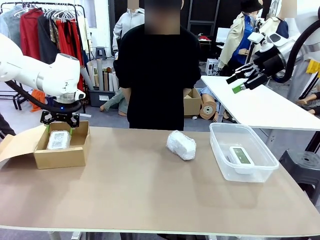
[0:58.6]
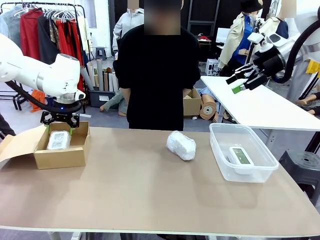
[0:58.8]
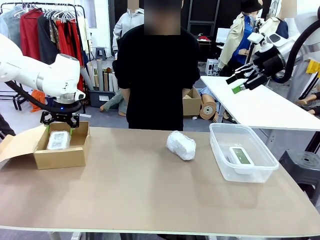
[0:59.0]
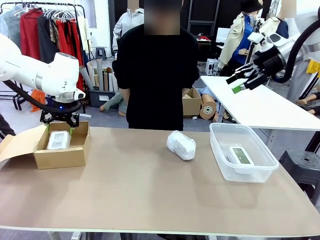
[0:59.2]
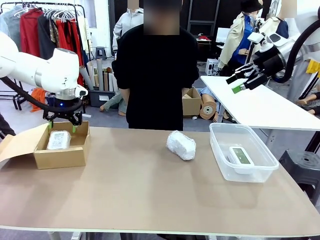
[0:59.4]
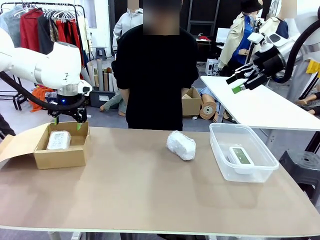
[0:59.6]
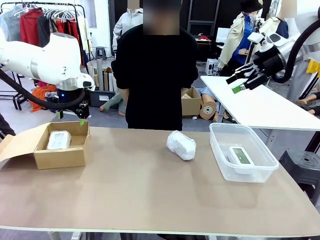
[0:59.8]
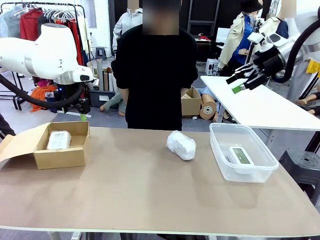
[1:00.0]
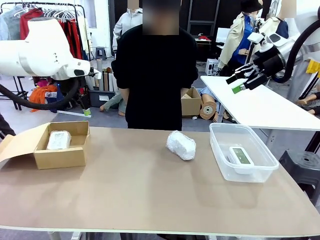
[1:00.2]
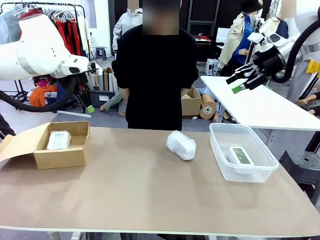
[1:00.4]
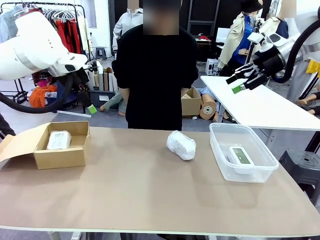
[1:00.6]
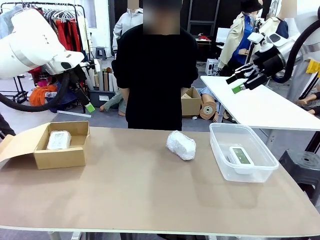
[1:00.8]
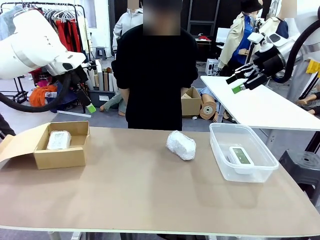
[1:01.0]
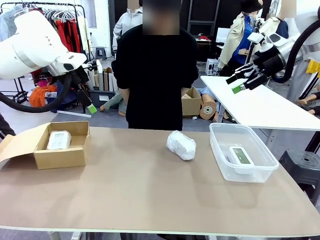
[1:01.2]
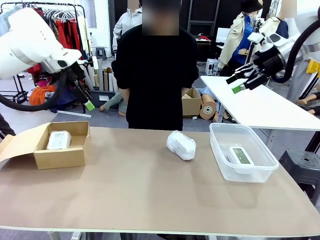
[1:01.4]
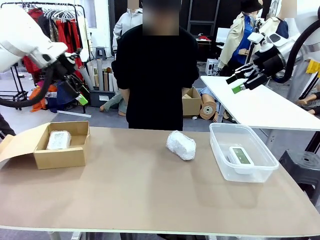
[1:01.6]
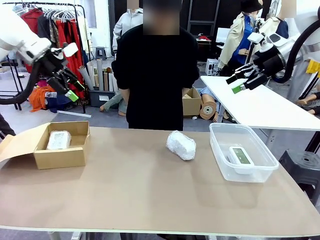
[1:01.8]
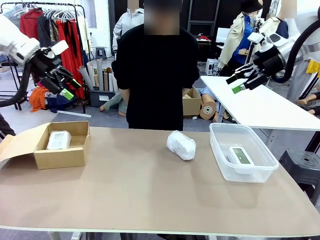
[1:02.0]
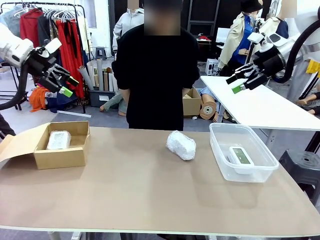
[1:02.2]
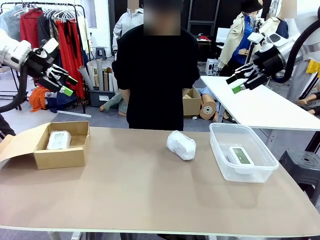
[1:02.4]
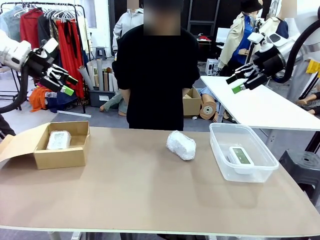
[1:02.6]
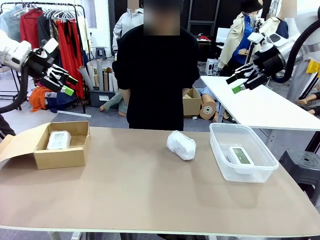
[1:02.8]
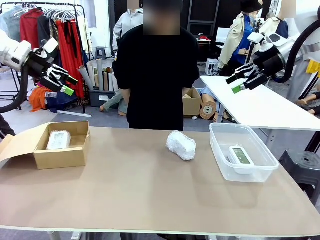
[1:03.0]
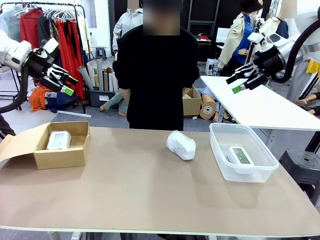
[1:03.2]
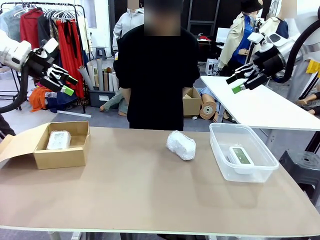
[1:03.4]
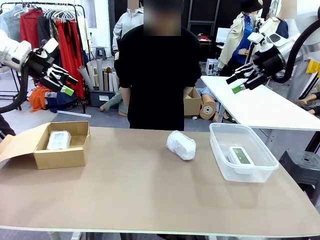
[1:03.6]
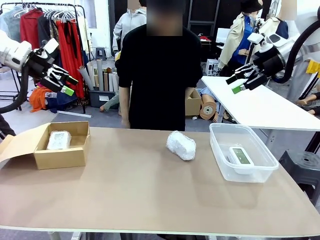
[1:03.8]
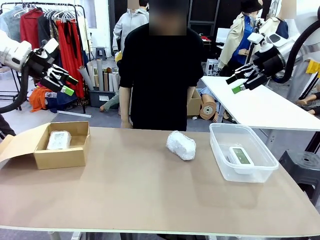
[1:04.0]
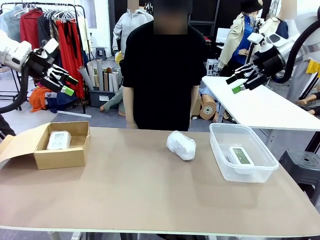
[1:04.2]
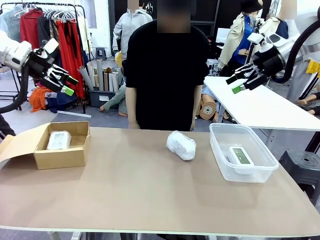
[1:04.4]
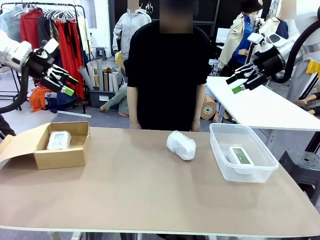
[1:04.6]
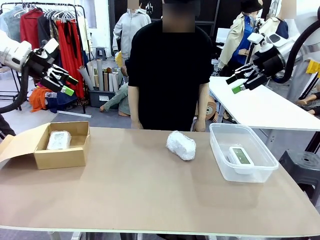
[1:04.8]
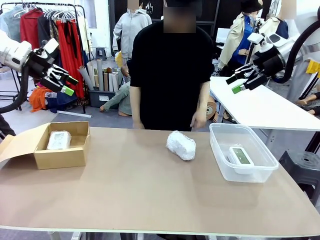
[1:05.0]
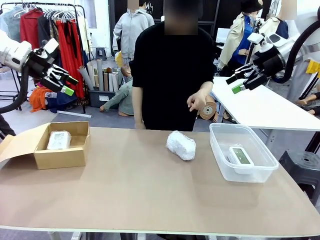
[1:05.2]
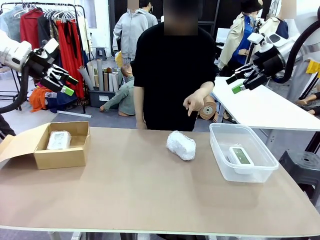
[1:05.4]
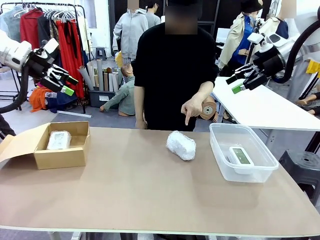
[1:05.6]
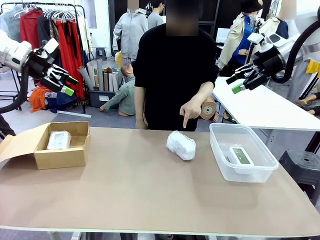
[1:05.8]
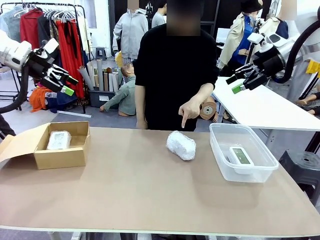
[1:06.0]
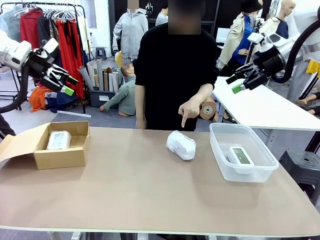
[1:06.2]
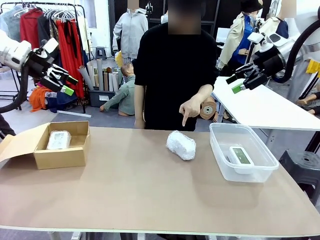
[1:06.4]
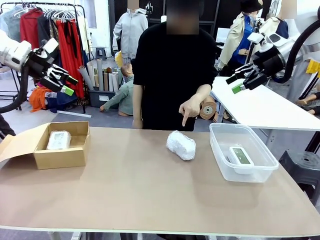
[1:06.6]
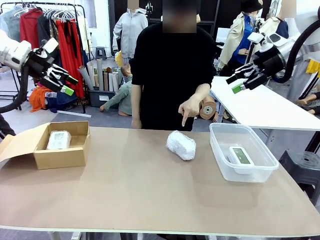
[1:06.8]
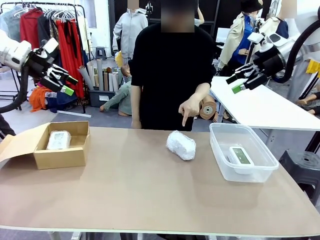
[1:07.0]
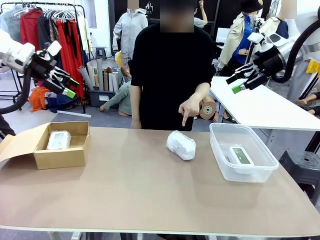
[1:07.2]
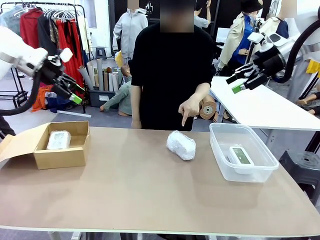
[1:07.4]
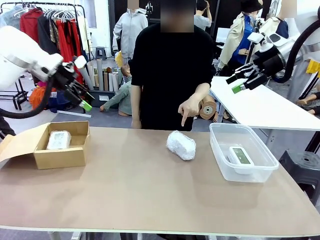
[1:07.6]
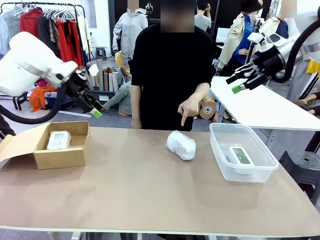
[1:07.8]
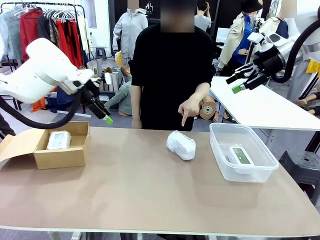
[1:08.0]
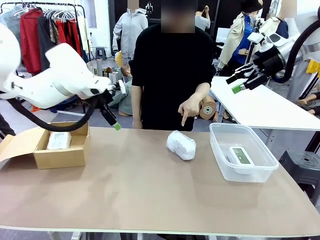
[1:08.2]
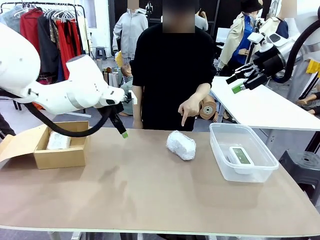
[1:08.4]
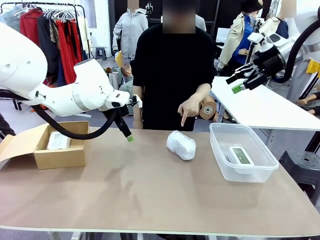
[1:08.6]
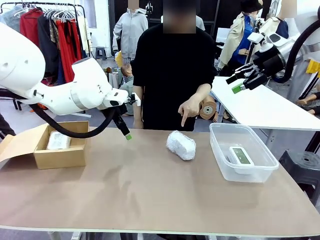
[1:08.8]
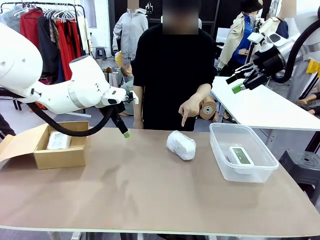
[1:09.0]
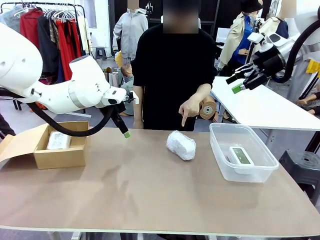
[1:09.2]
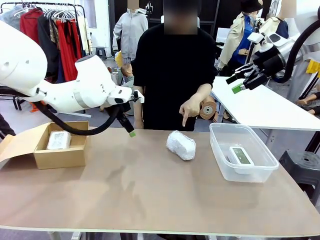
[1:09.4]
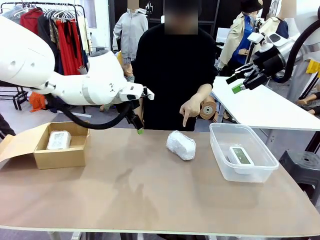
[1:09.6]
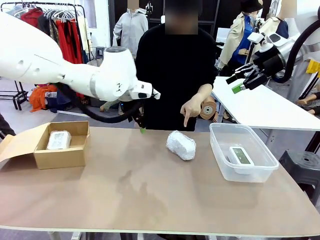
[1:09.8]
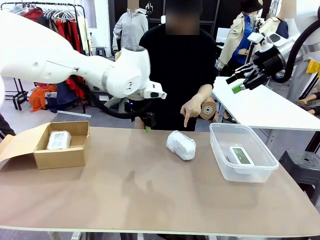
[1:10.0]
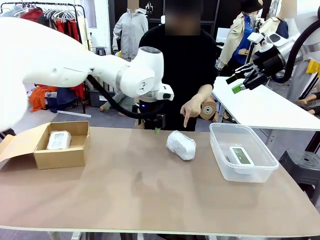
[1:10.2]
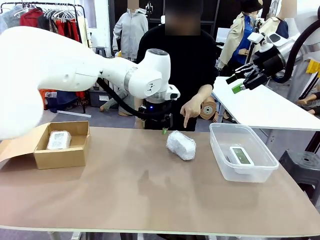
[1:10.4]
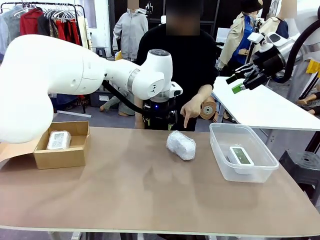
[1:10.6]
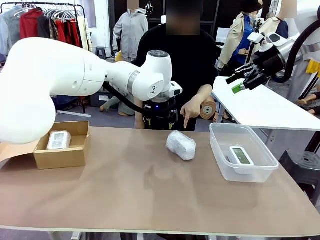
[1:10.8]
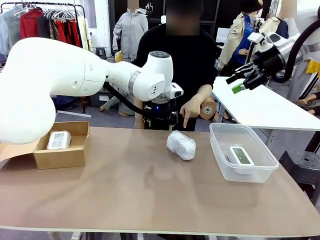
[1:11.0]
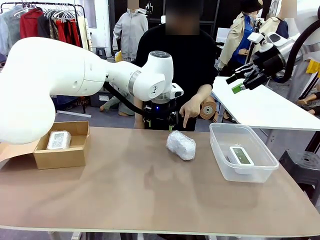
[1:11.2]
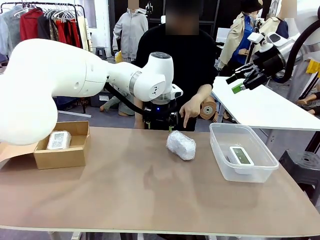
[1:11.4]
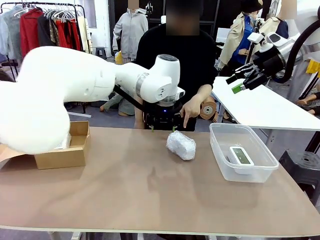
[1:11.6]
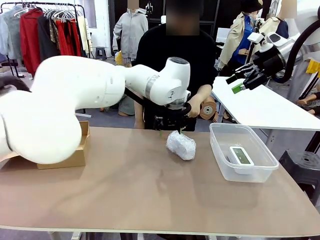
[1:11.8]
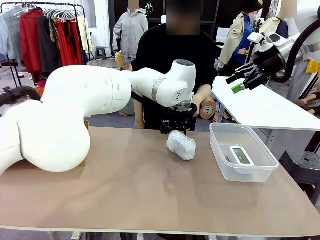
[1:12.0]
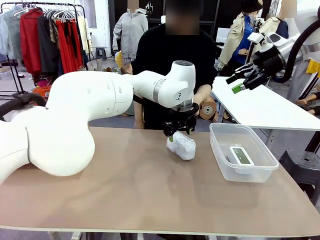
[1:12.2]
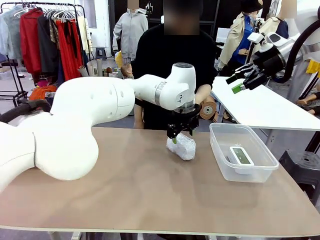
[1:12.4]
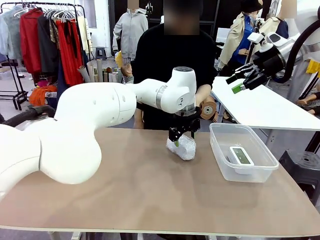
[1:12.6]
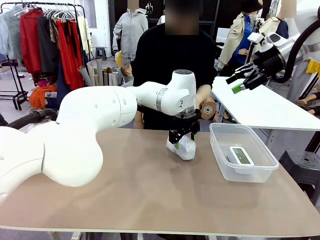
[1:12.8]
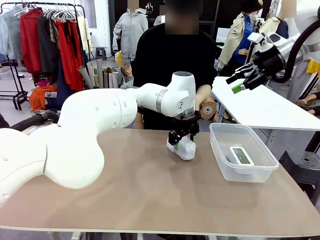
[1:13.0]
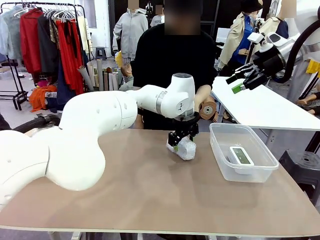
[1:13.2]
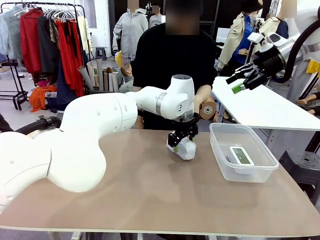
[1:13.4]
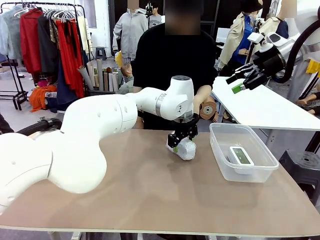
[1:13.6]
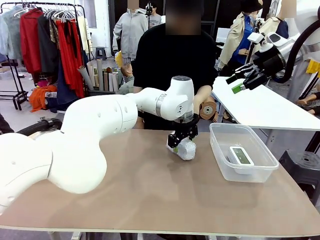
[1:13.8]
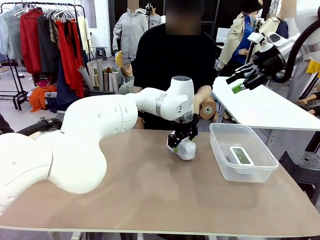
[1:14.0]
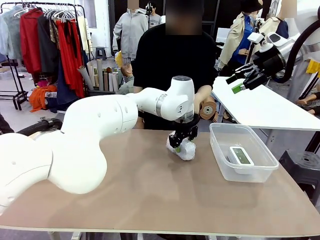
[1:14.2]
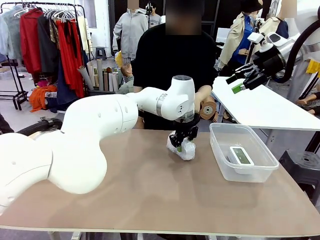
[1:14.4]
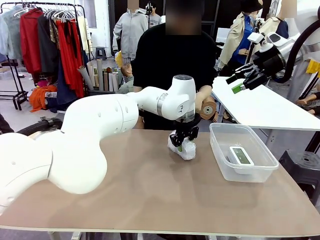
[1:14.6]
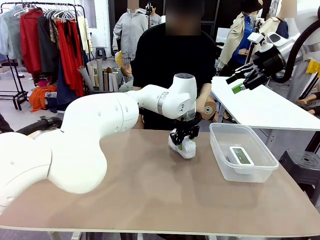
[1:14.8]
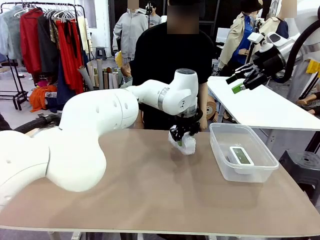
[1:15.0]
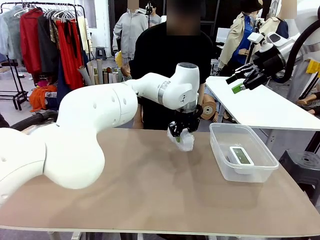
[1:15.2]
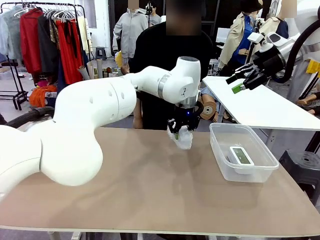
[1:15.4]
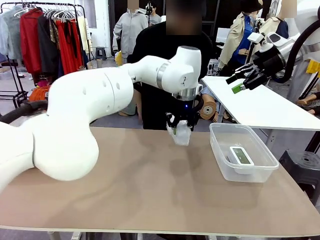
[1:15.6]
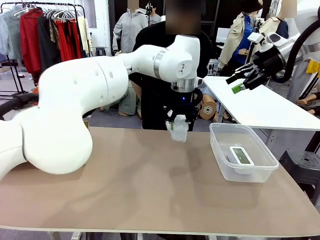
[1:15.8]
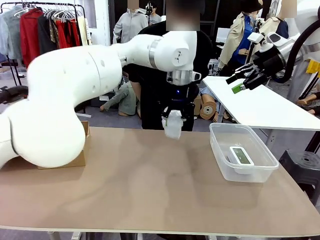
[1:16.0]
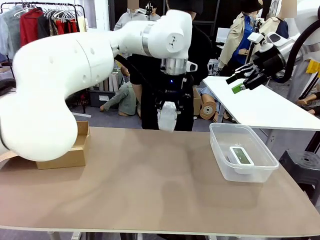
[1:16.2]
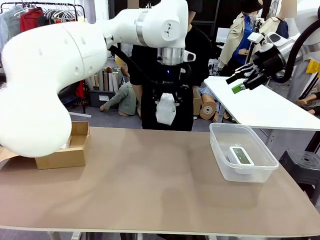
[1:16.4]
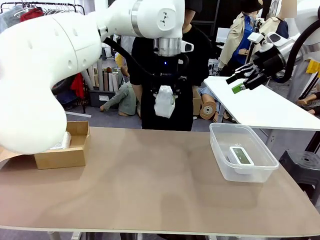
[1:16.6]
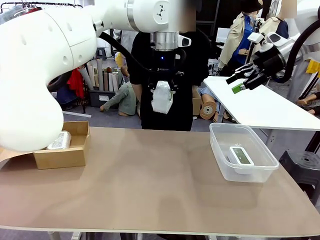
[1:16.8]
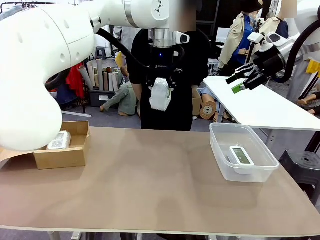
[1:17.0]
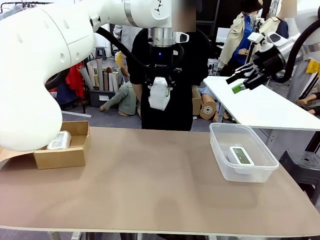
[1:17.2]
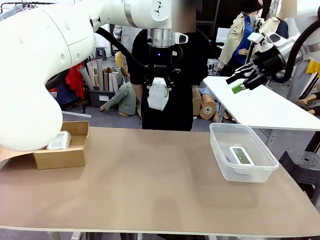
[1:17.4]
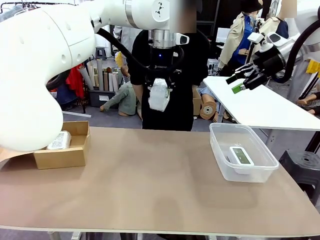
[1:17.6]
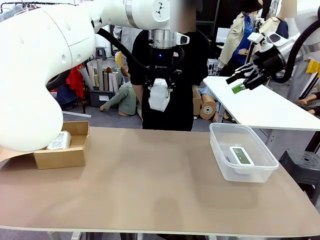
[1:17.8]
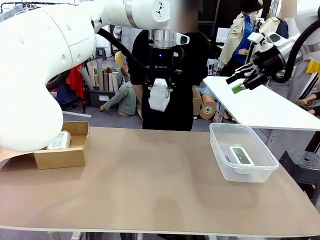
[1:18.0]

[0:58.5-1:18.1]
Task: Separate and place wrapped and unwrapped clocks.
Robot: Pick up the Digital clock indicated by the person.
